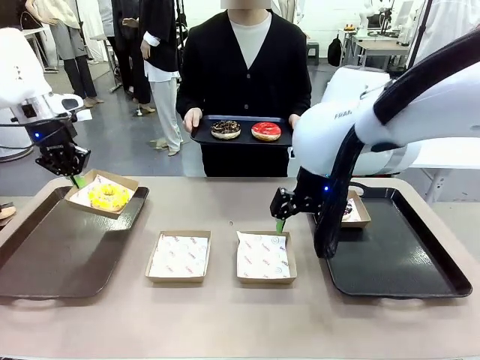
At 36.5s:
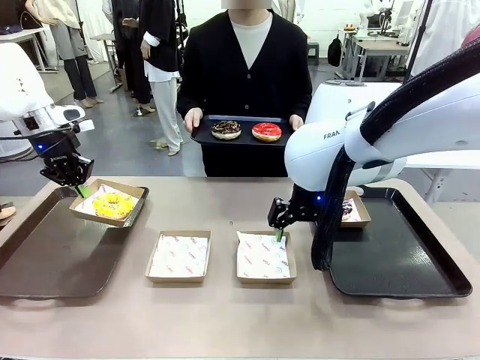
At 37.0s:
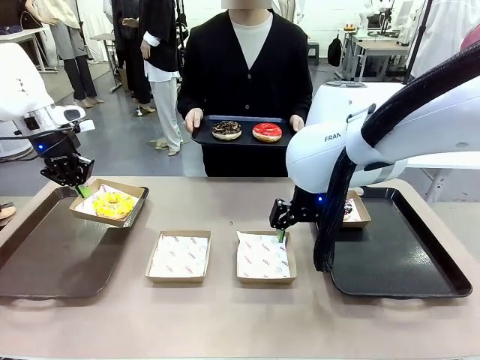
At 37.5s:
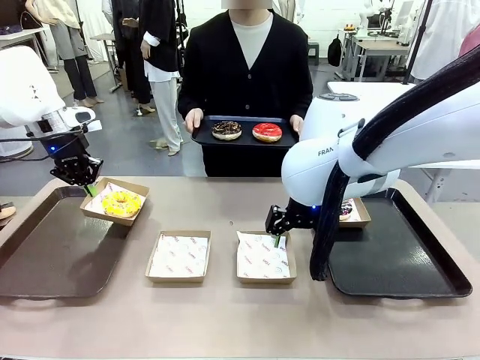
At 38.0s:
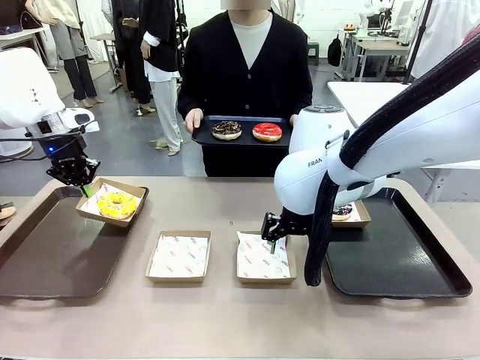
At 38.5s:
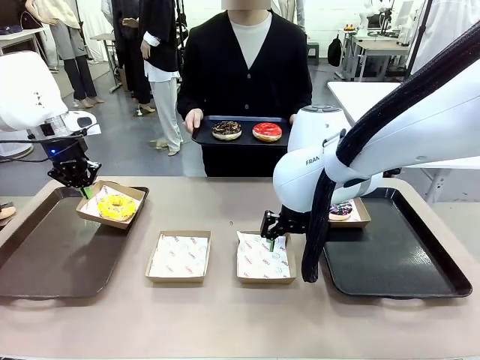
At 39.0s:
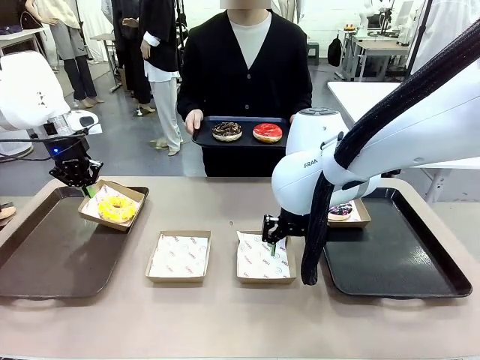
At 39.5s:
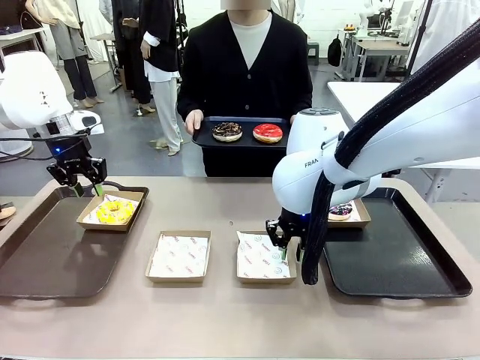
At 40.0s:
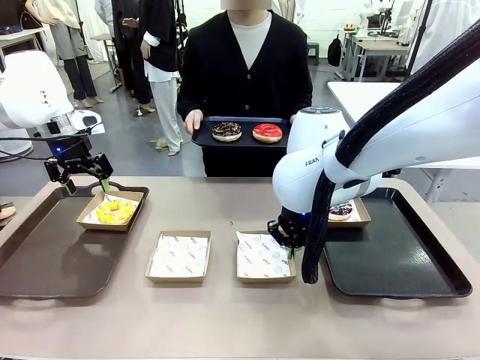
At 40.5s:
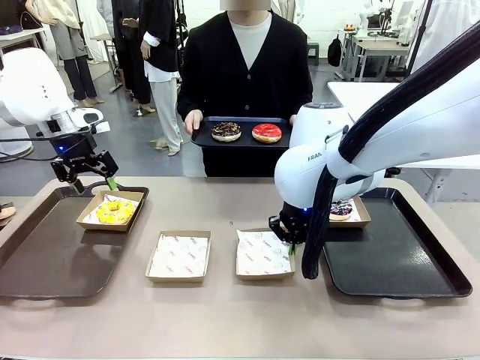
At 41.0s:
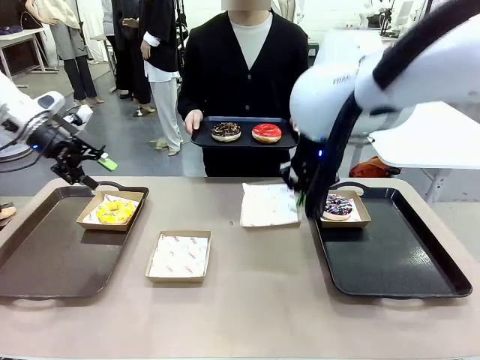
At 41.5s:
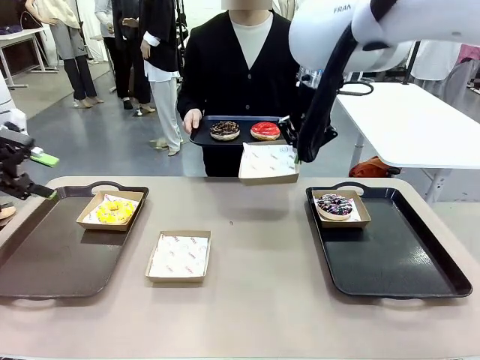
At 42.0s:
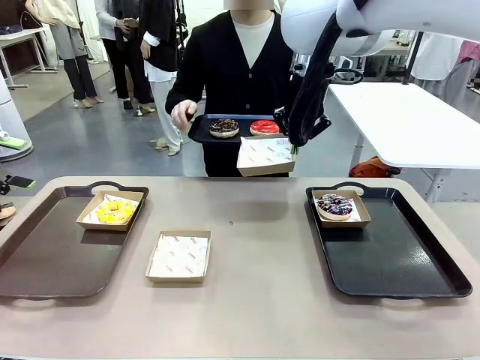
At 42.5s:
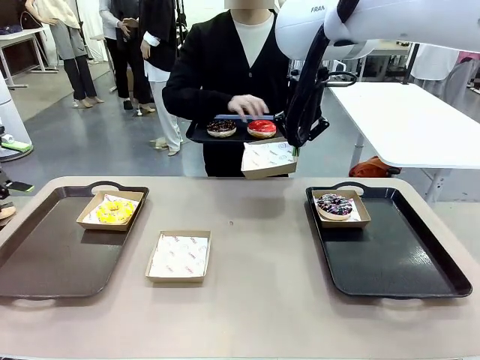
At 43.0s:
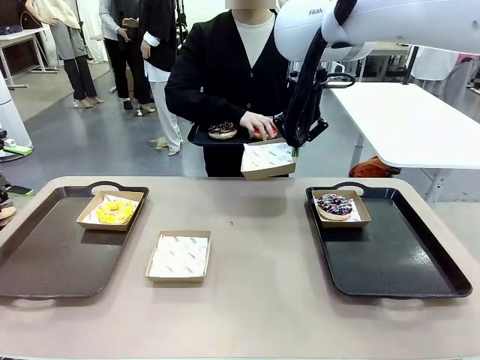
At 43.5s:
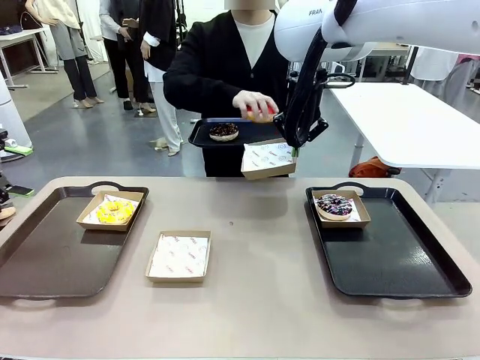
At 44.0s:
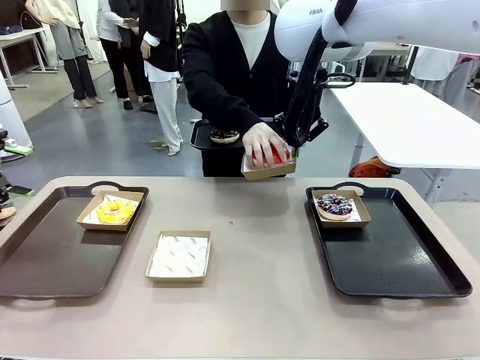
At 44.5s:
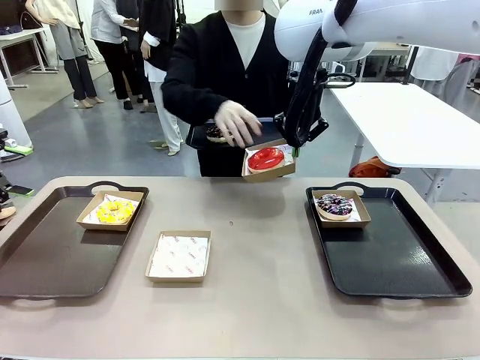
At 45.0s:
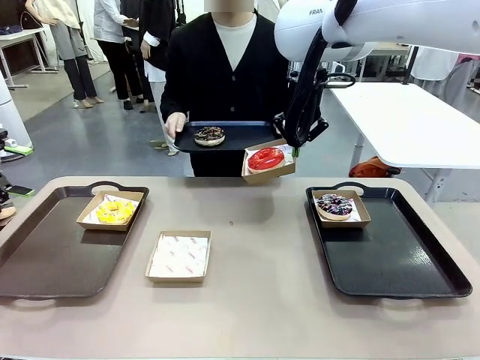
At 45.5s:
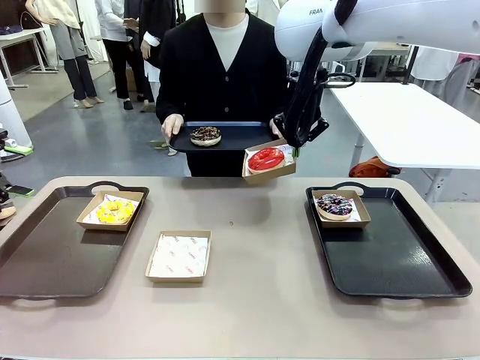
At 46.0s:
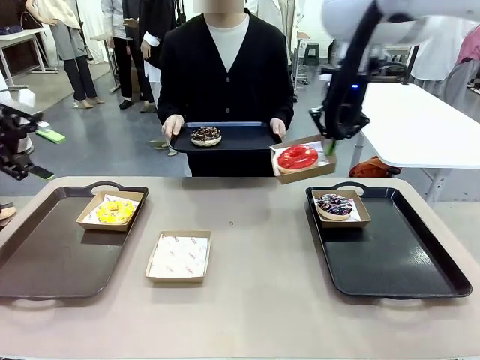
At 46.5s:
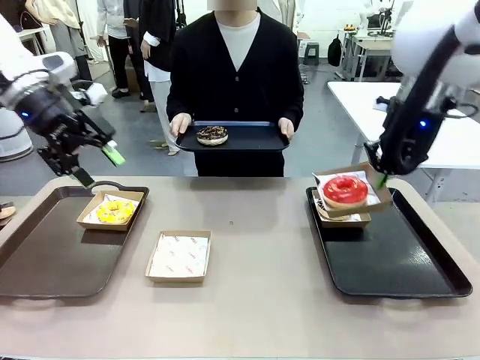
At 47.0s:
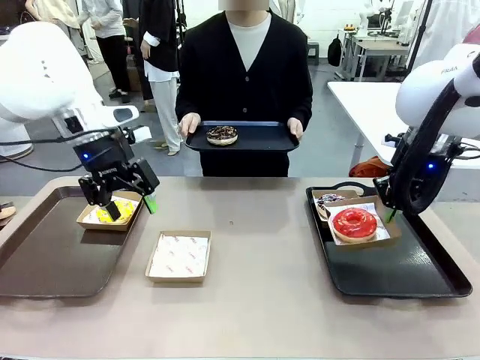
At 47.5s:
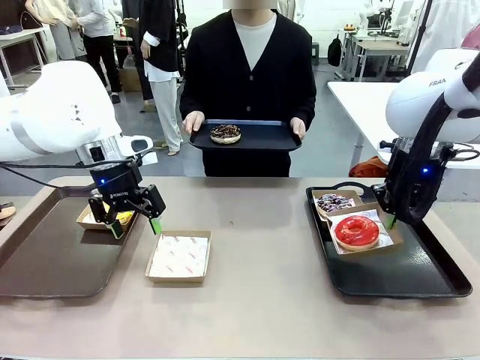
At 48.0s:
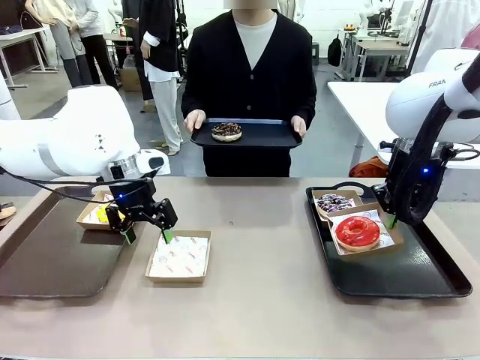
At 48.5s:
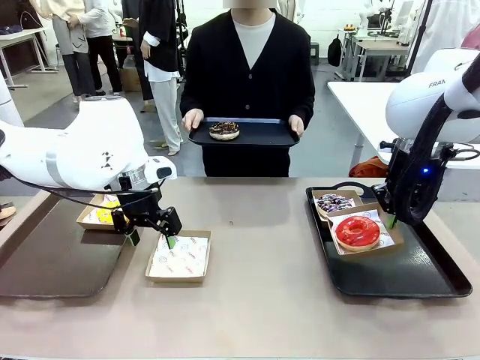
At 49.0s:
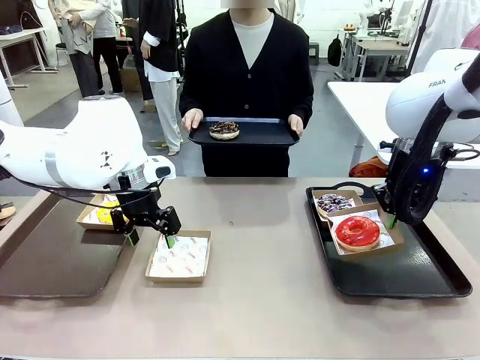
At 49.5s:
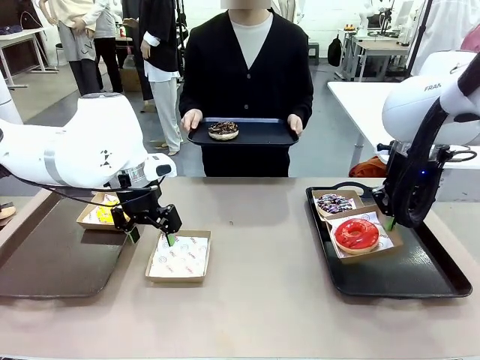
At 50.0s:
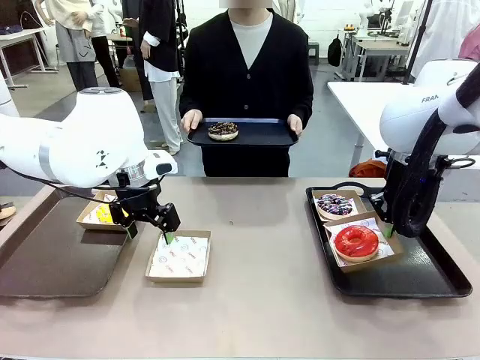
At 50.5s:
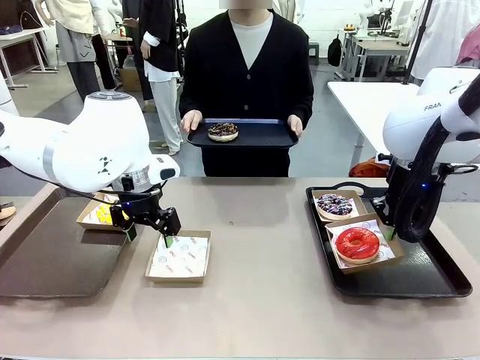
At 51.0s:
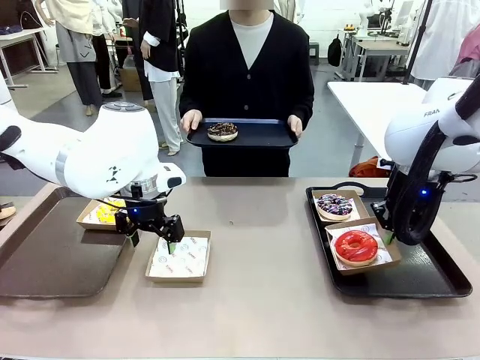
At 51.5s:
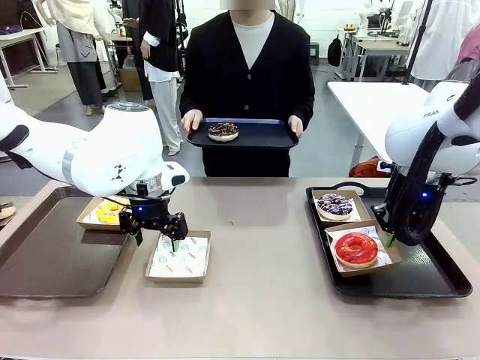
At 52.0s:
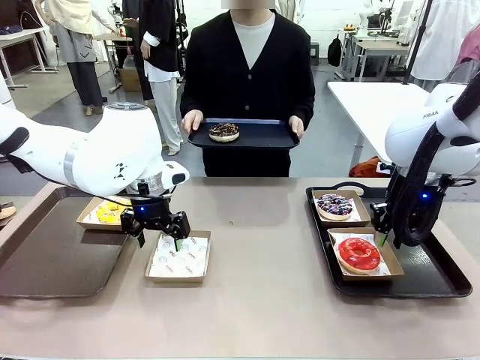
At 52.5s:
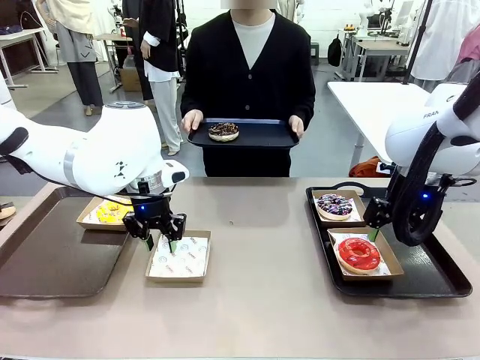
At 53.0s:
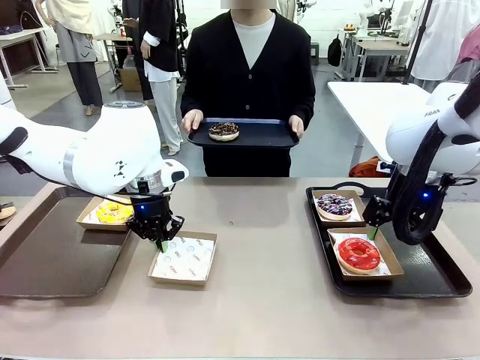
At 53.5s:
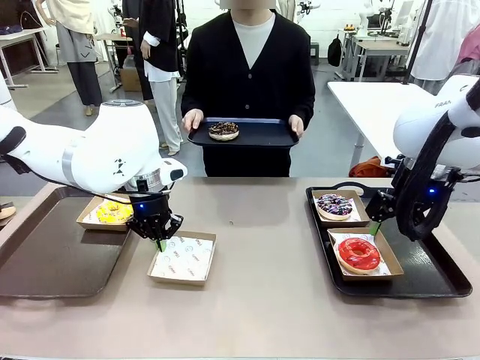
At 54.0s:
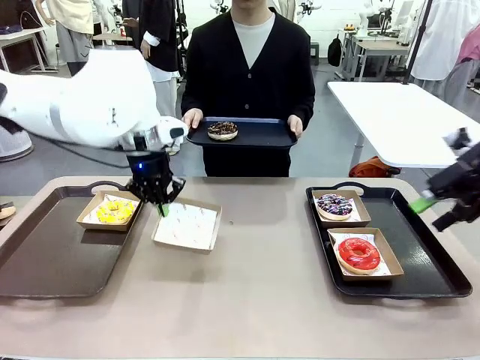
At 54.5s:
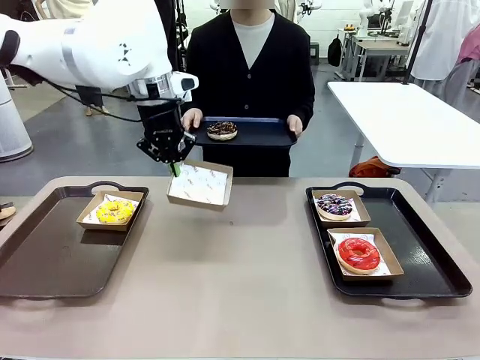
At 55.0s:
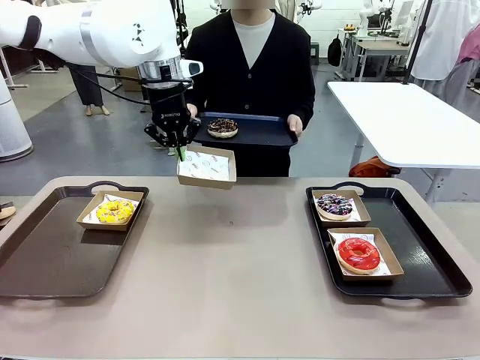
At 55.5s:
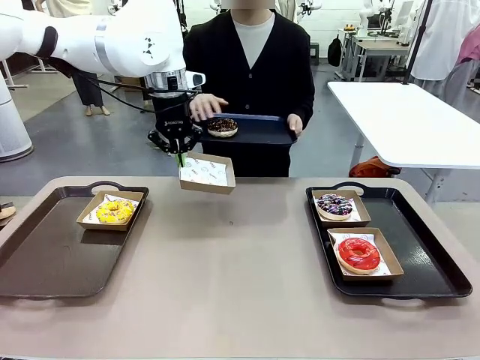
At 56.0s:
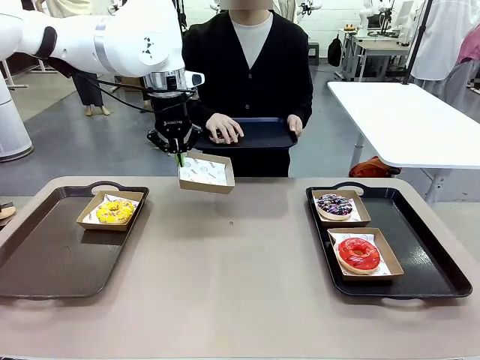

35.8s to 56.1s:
Task: Individually package the donuts and arrange them on the tray.
Robot: Place the picked Paper togo box on the Handle tray while simultaneously picking up another Paper togo box from the table with the other hand.
